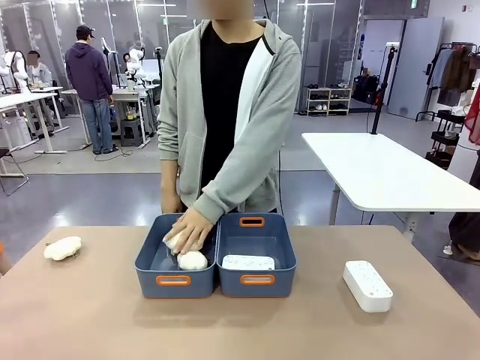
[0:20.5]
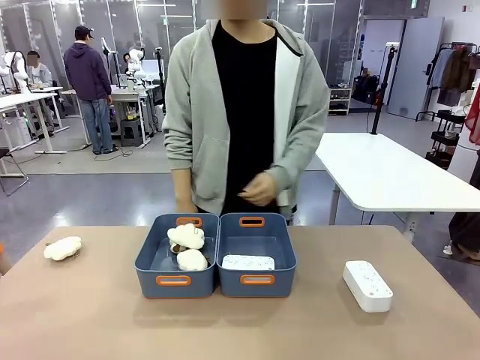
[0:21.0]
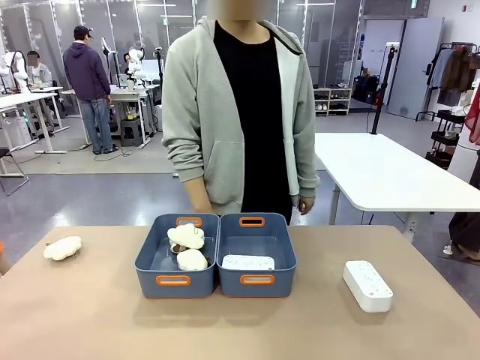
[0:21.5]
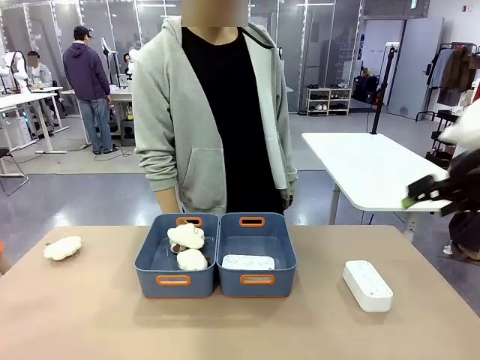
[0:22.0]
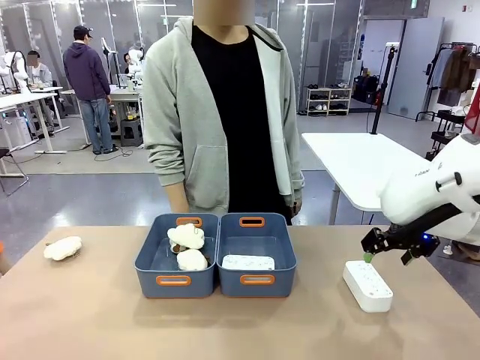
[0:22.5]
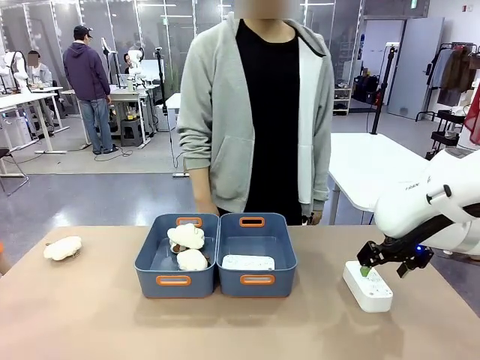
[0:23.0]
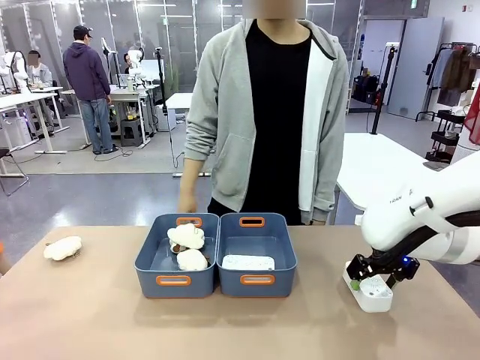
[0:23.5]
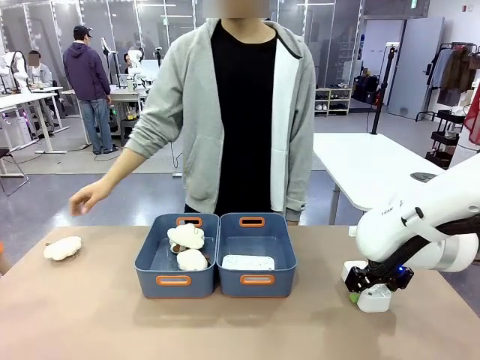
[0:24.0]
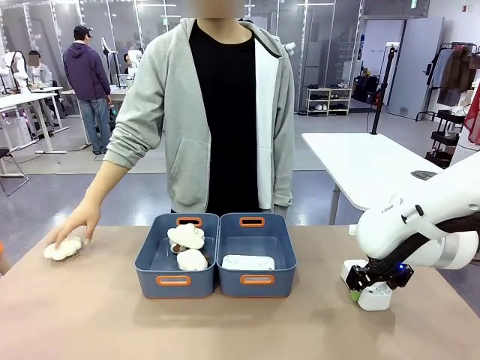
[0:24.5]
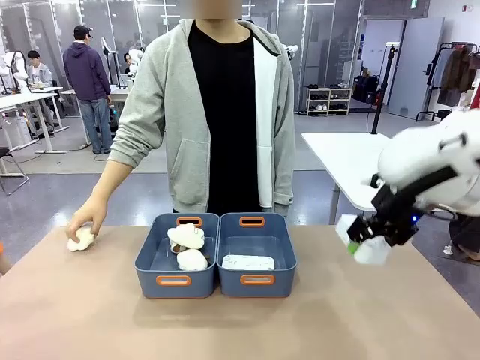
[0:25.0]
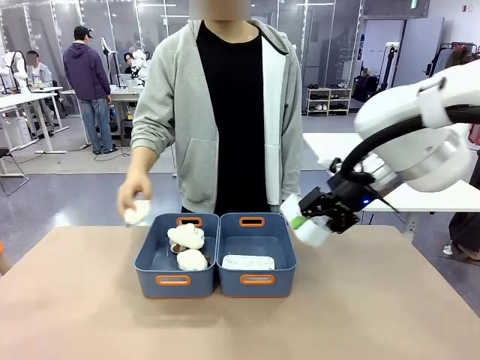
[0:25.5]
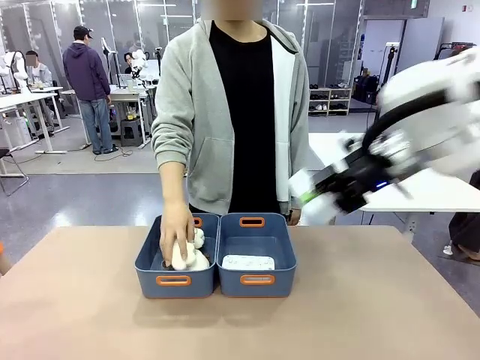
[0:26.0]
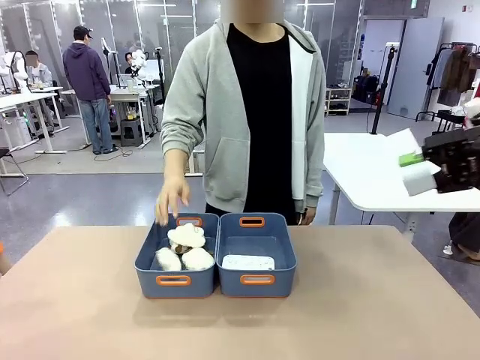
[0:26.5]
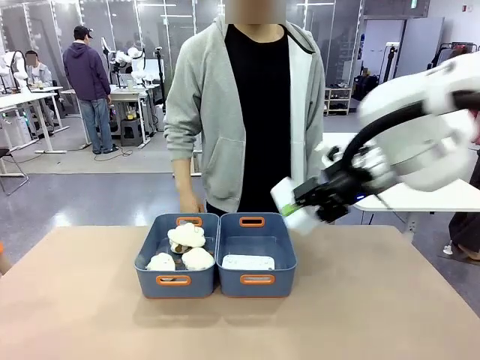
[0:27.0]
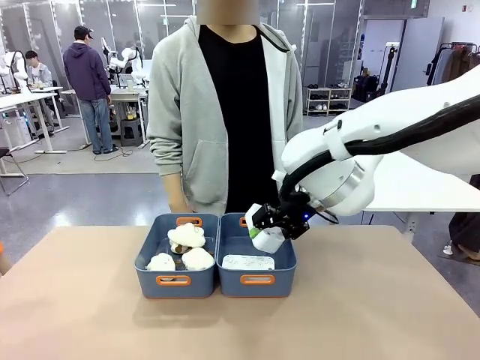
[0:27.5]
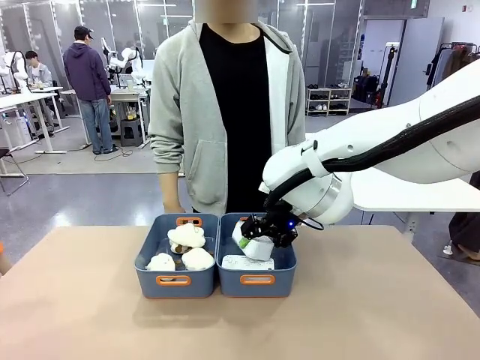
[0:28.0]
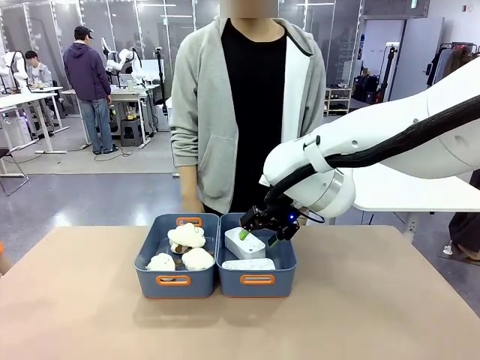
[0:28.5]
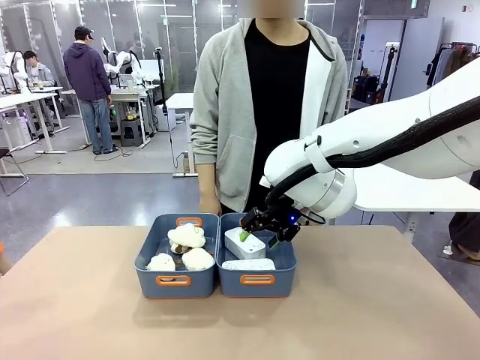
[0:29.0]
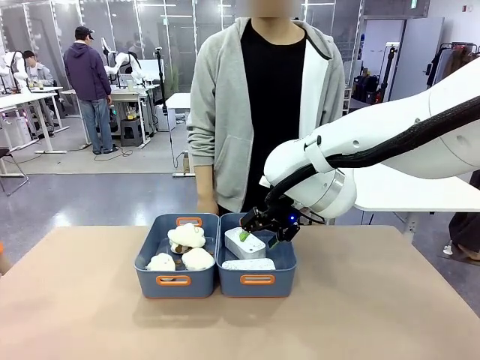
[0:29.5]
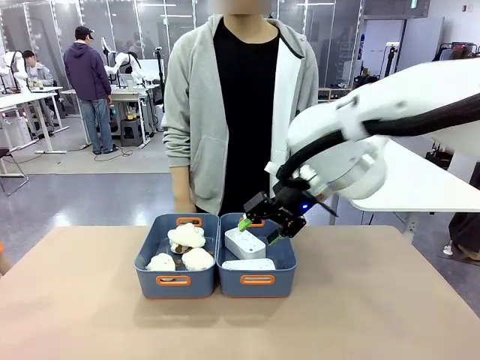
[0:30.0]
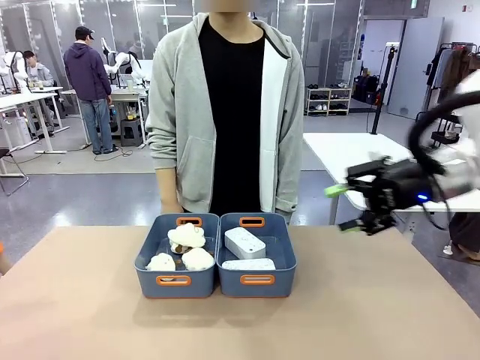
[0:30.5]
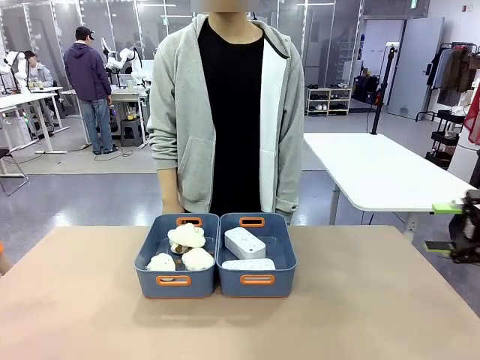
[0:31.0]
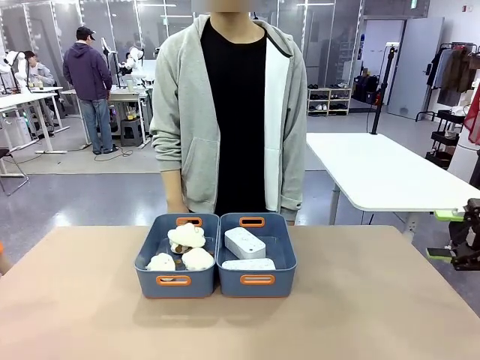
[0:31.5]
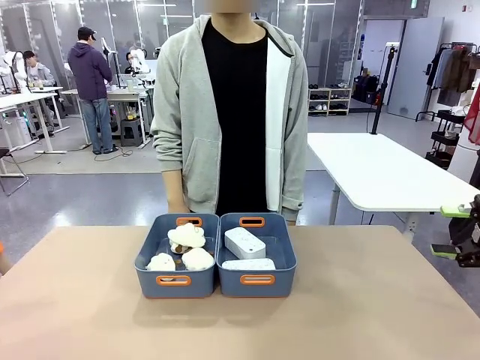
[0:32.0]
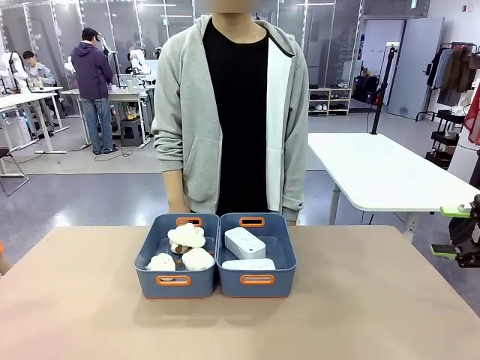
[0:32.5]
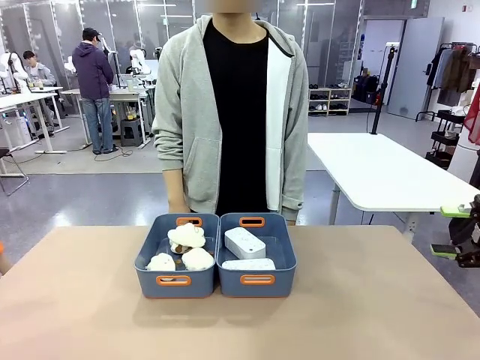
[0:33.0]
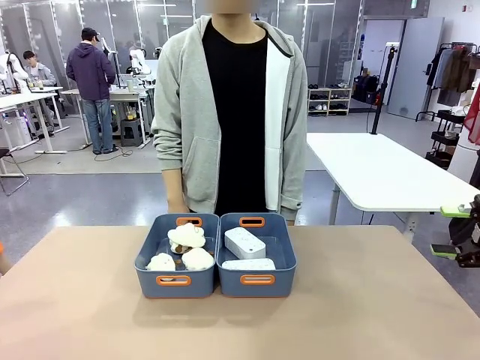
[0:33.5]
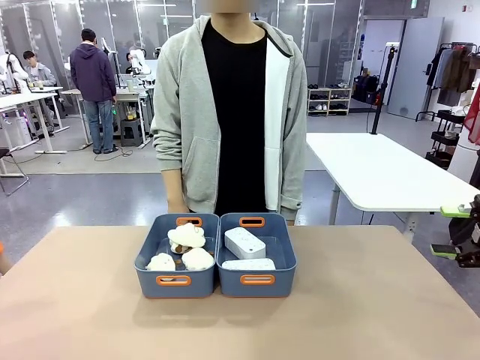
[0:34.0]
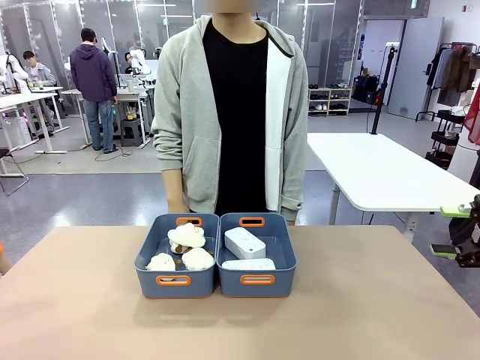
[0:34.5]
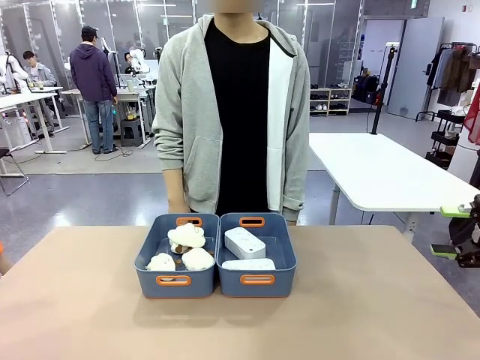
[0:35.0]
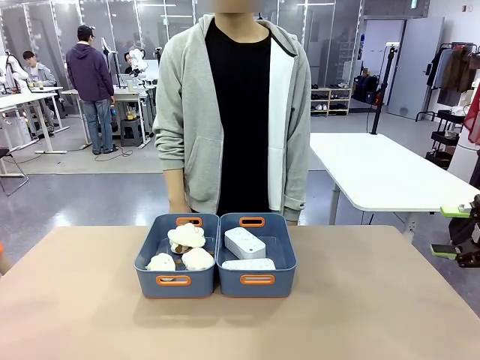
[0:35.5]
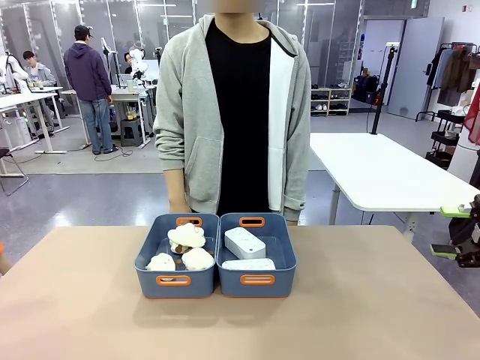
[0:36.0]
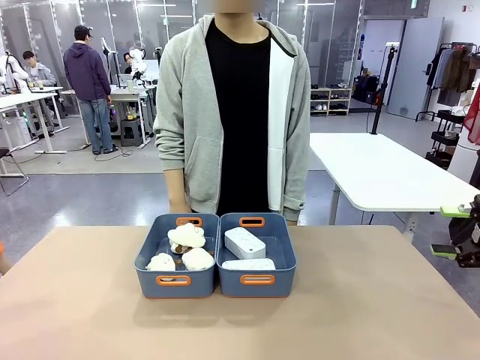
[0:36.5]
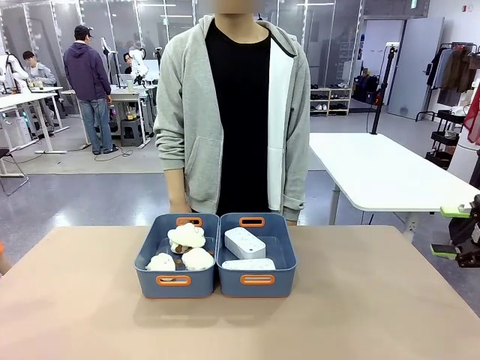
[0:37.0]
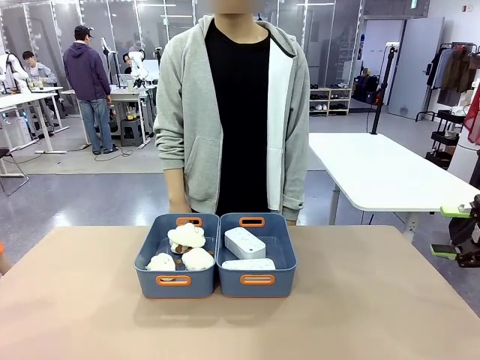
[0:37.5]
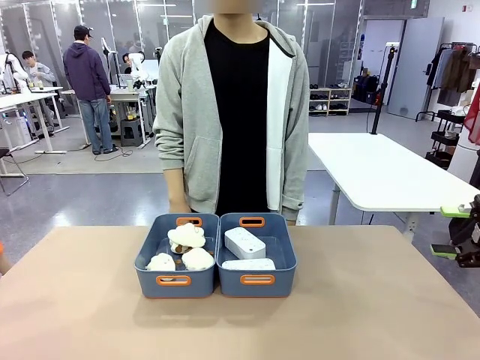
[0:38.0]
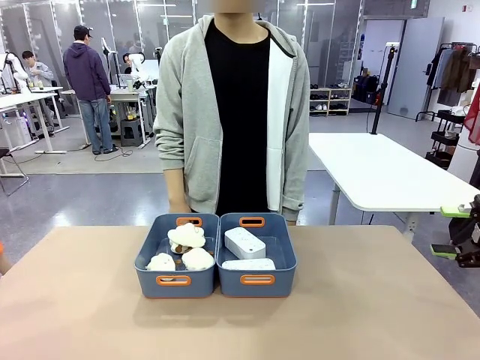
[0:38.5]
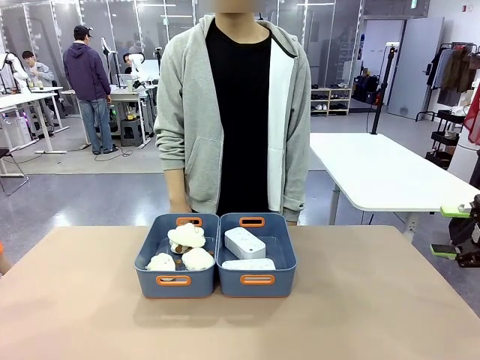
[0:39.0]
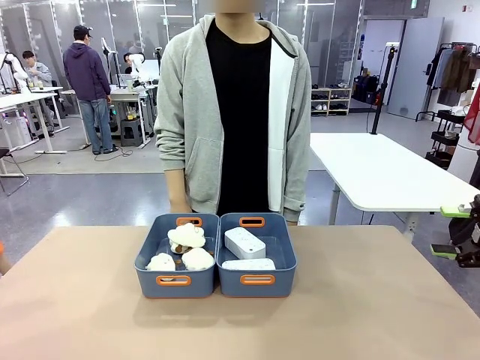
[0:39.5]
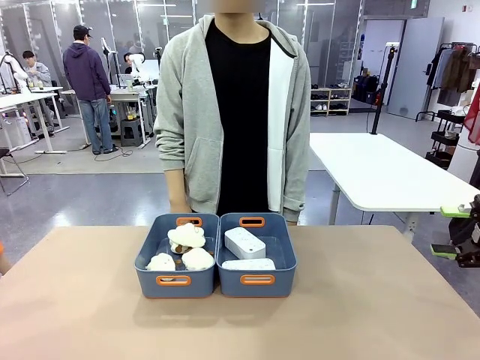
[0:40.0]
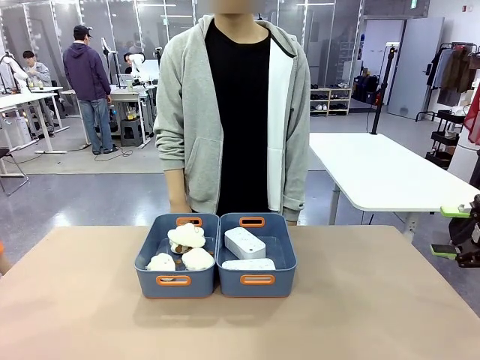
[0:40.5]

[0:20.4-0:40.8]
Task: Sort the digital clocks into the basket.
Robot: Pick up the Digital clock from the table and place it into the empty Plastic storage basket.
Person: Pick up a plush toy from the table and place it in the plastic storage basket containing the plush toy.

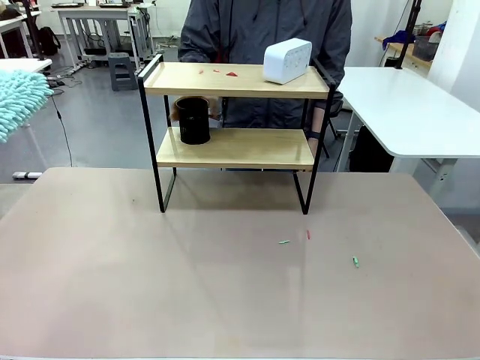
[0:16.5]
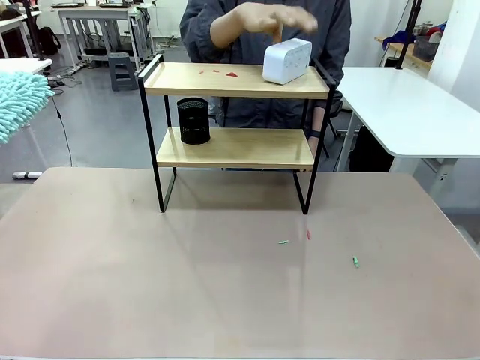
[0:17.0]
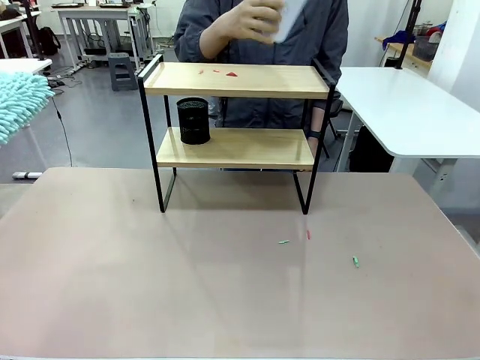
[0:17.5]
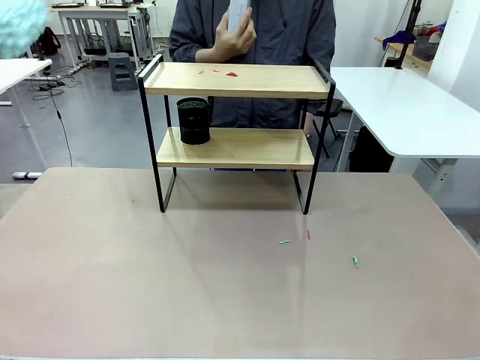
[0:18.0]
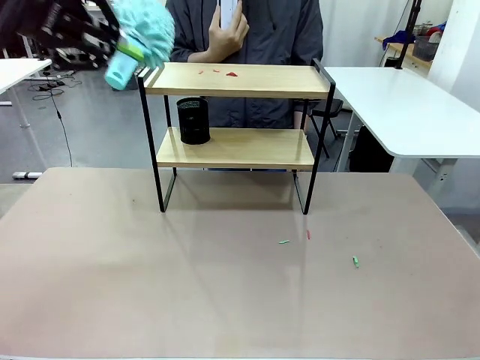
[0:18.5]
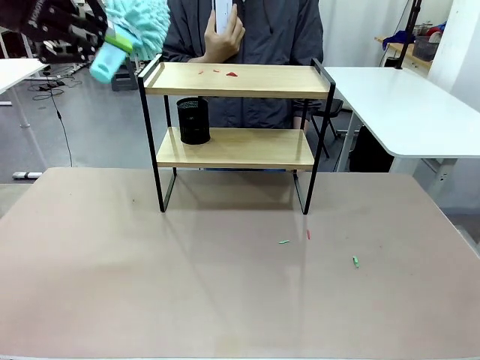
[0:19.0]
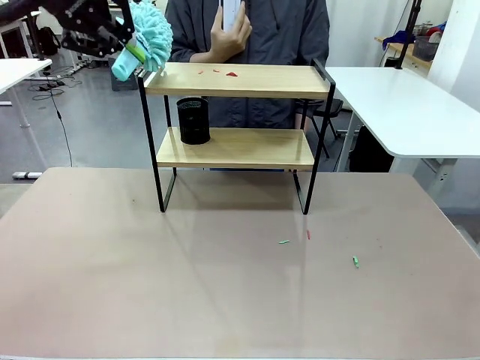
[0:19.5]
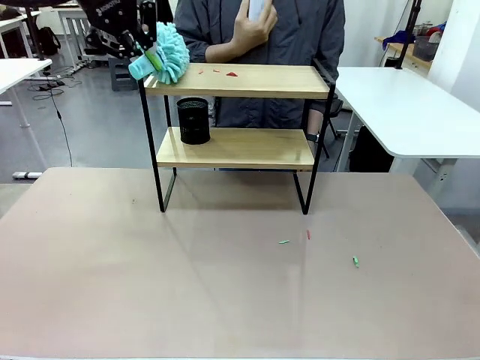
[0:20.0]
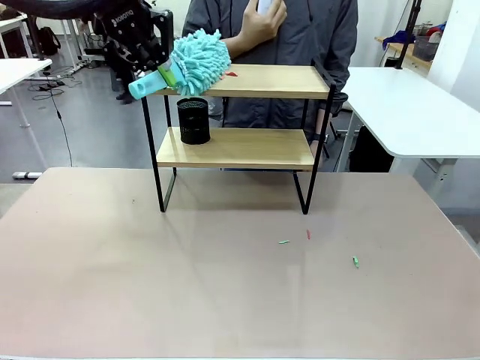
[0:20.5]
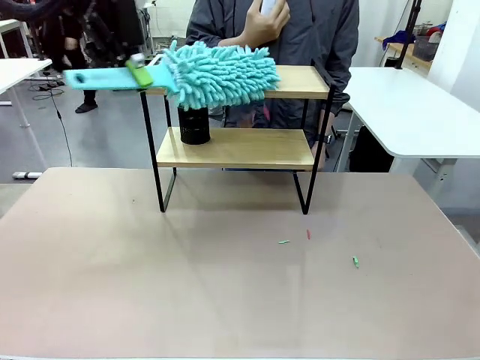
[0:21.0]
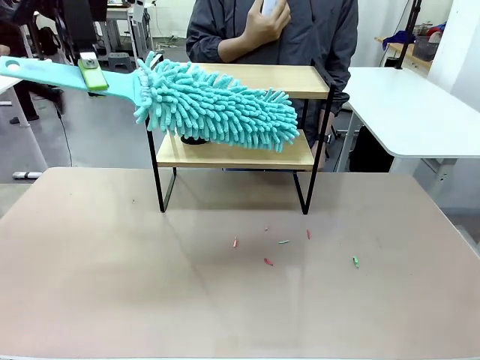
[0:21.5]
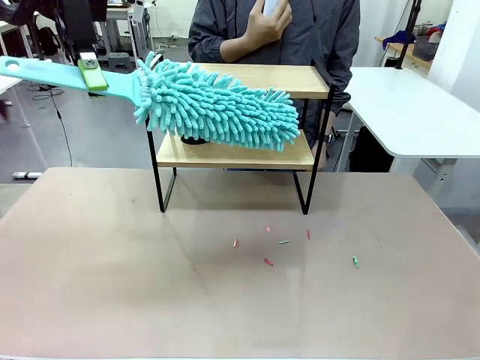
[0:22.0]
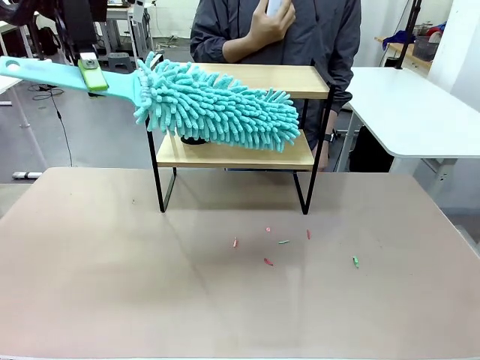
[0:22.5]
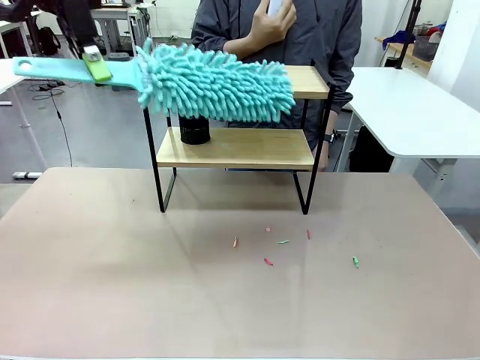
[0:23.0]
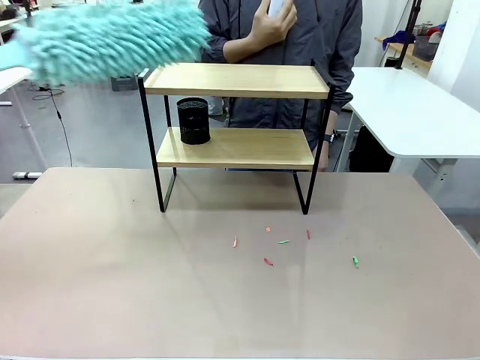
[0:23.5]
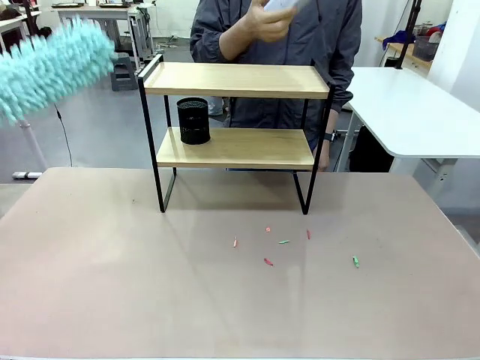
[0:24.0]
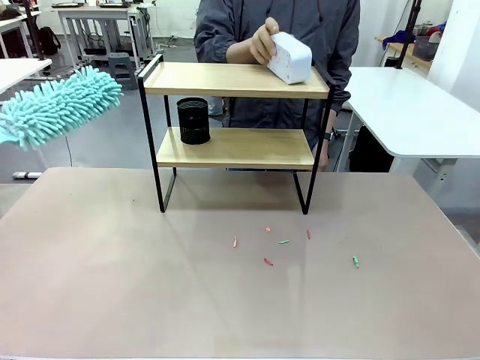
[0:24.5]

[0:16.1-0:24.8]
Task: Clean the shelf.
Robot: Clean the remaining tier of the Shelf with the Duster once objects are removed.
